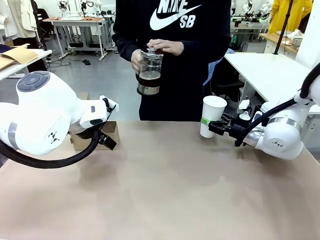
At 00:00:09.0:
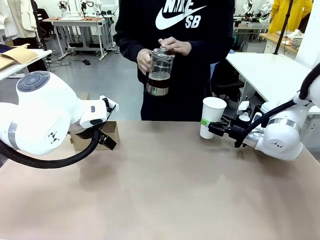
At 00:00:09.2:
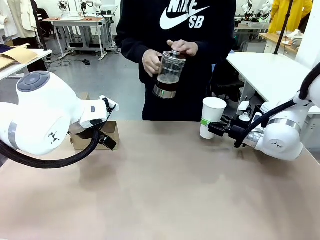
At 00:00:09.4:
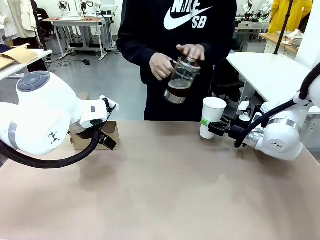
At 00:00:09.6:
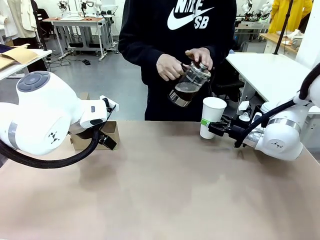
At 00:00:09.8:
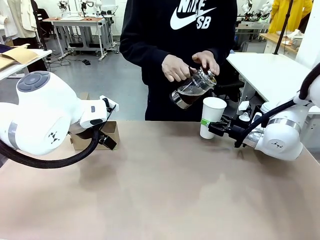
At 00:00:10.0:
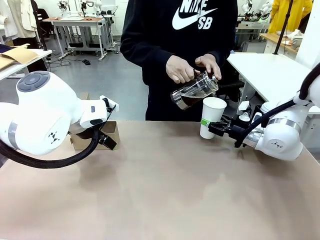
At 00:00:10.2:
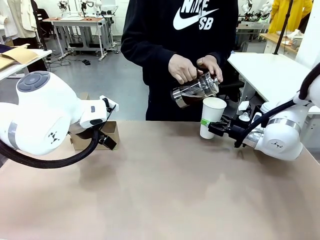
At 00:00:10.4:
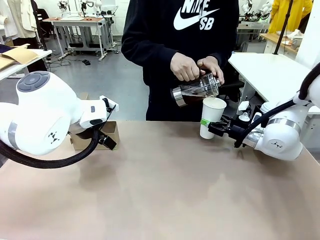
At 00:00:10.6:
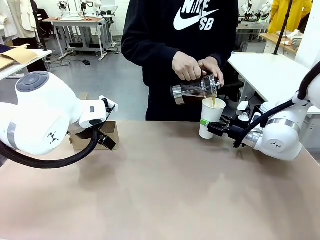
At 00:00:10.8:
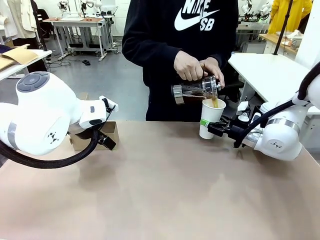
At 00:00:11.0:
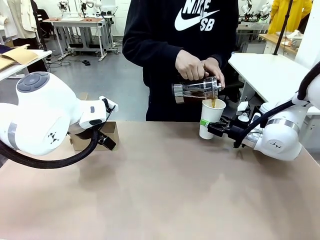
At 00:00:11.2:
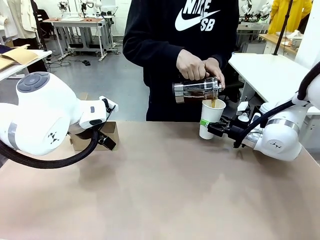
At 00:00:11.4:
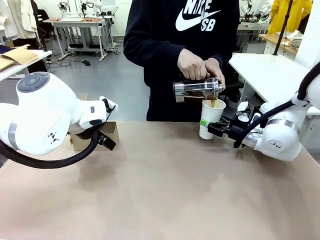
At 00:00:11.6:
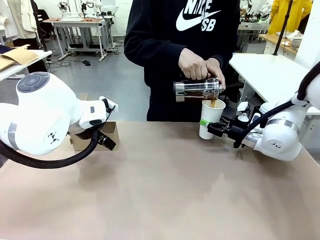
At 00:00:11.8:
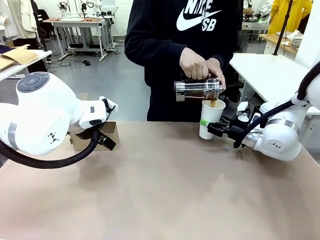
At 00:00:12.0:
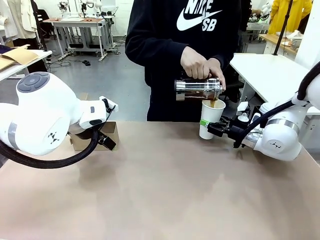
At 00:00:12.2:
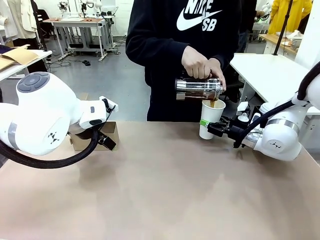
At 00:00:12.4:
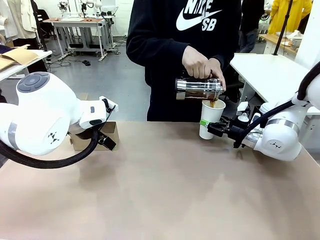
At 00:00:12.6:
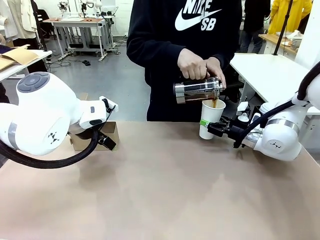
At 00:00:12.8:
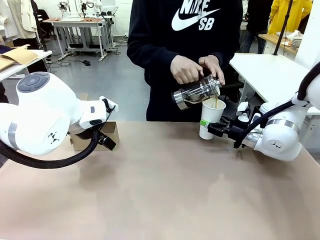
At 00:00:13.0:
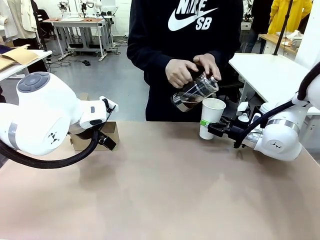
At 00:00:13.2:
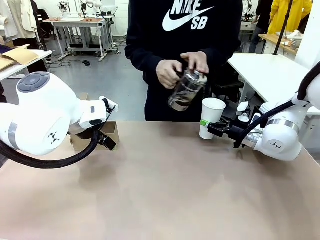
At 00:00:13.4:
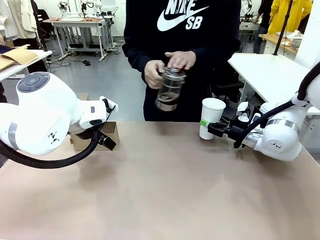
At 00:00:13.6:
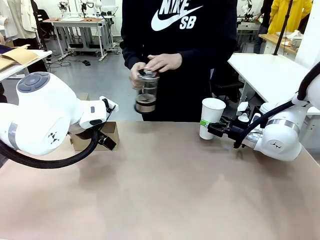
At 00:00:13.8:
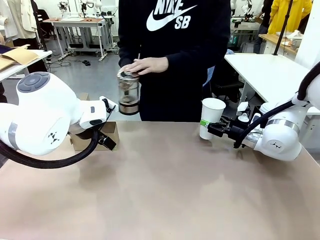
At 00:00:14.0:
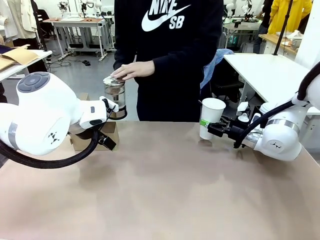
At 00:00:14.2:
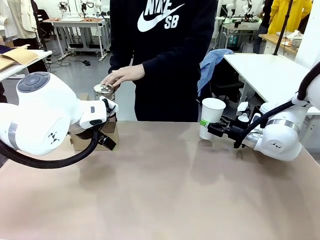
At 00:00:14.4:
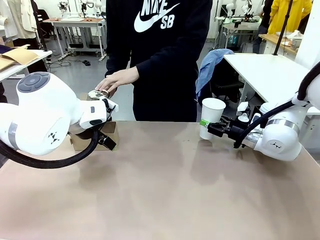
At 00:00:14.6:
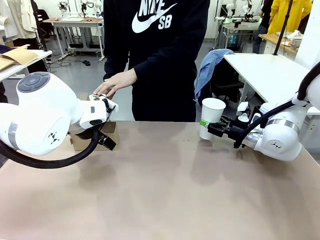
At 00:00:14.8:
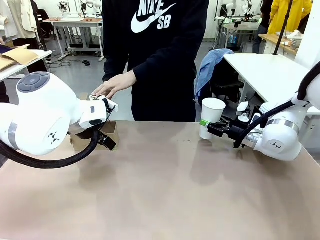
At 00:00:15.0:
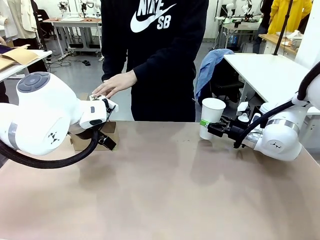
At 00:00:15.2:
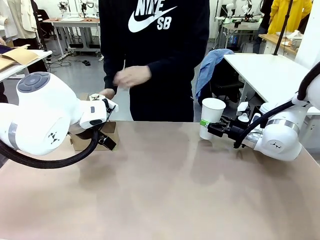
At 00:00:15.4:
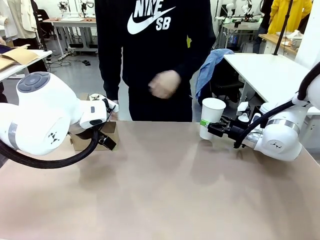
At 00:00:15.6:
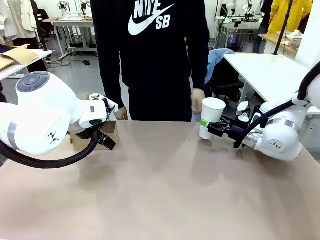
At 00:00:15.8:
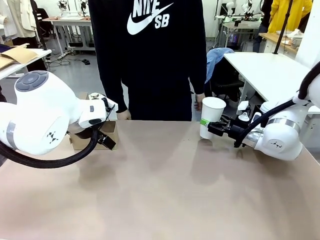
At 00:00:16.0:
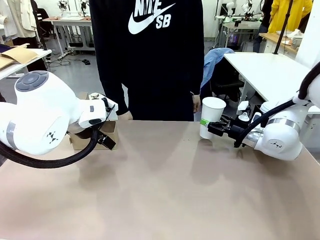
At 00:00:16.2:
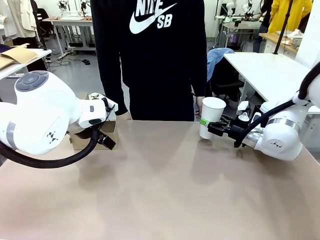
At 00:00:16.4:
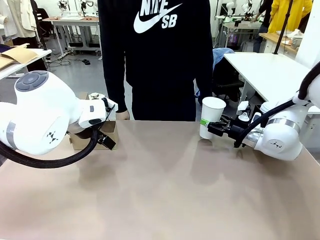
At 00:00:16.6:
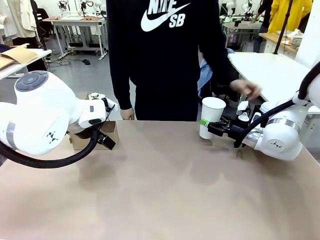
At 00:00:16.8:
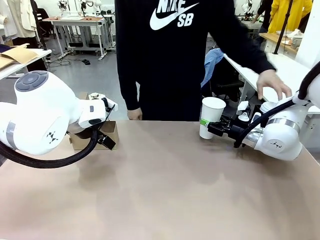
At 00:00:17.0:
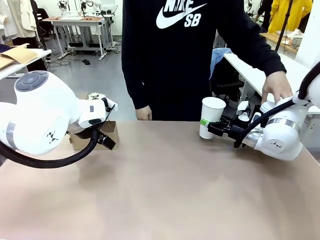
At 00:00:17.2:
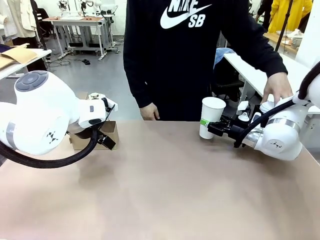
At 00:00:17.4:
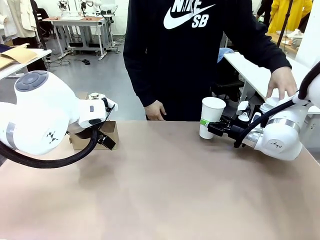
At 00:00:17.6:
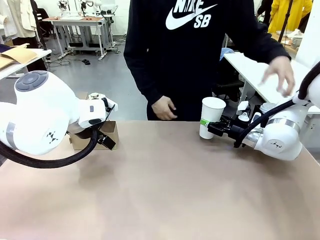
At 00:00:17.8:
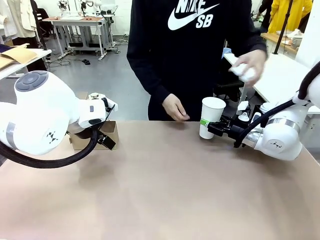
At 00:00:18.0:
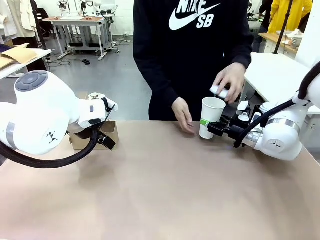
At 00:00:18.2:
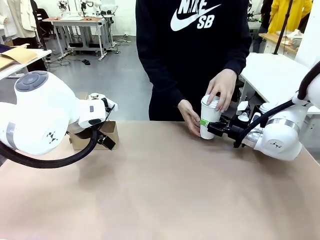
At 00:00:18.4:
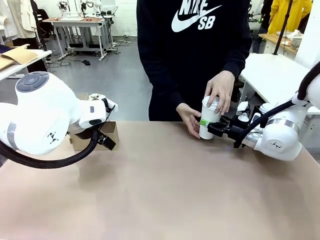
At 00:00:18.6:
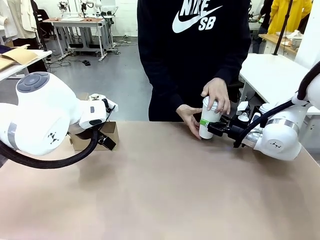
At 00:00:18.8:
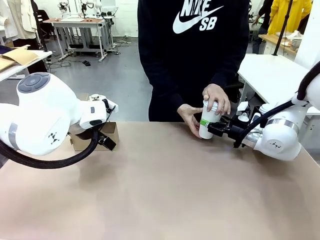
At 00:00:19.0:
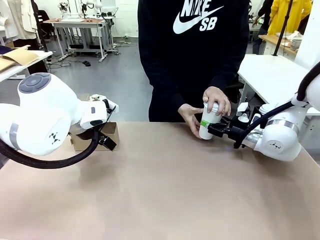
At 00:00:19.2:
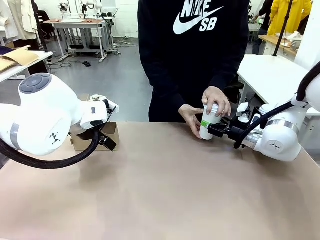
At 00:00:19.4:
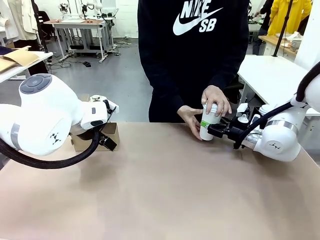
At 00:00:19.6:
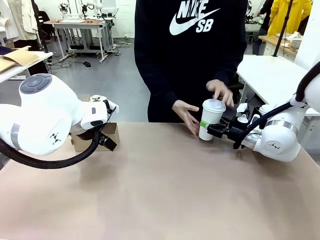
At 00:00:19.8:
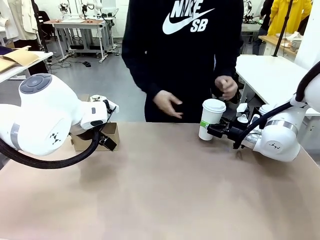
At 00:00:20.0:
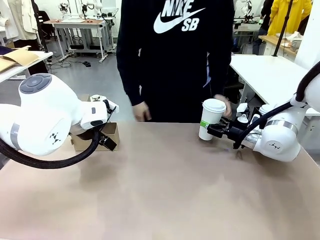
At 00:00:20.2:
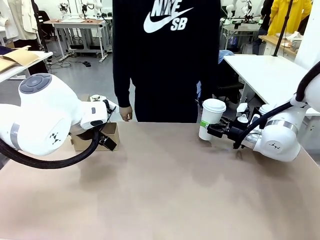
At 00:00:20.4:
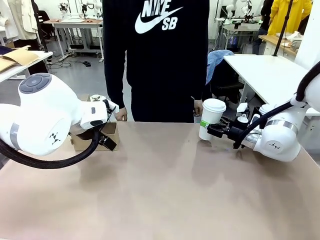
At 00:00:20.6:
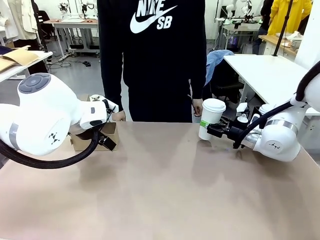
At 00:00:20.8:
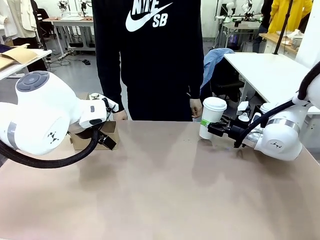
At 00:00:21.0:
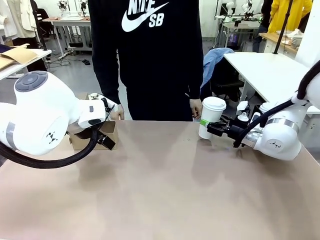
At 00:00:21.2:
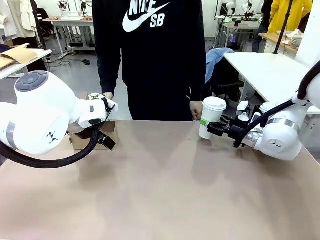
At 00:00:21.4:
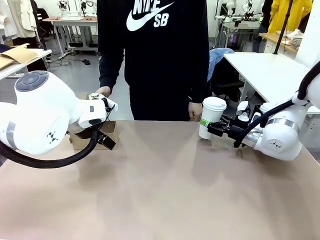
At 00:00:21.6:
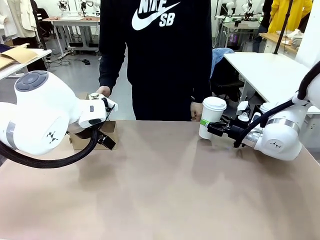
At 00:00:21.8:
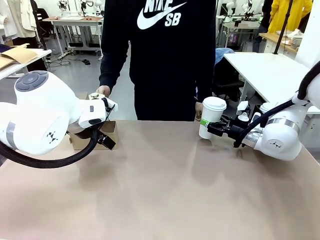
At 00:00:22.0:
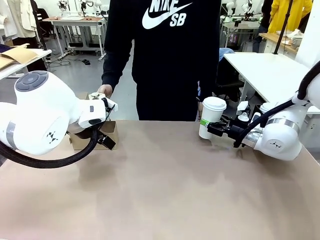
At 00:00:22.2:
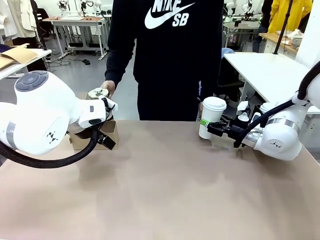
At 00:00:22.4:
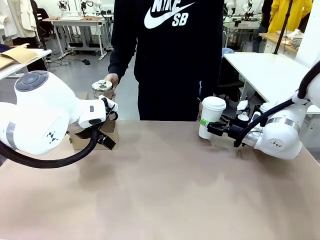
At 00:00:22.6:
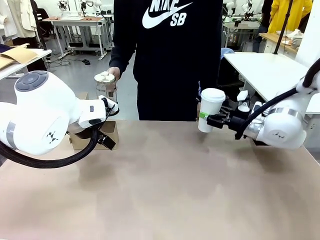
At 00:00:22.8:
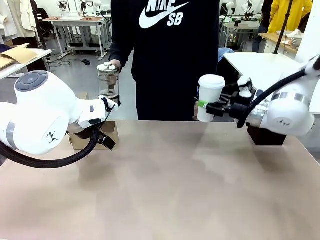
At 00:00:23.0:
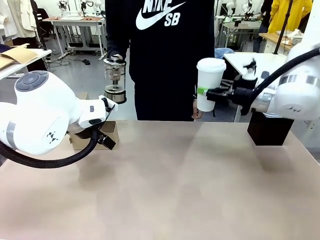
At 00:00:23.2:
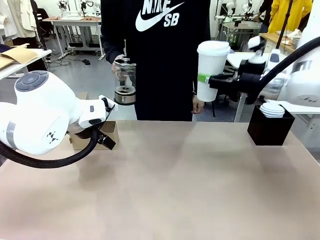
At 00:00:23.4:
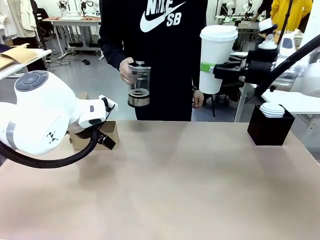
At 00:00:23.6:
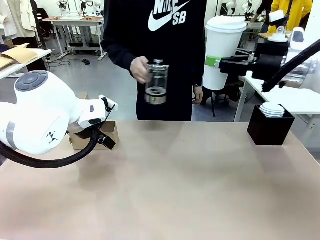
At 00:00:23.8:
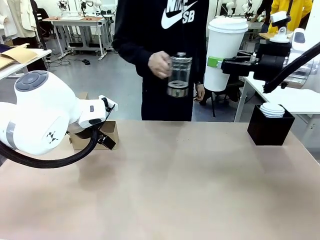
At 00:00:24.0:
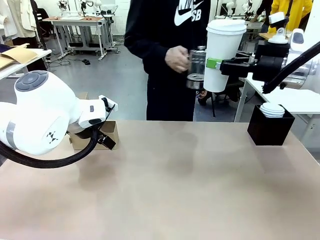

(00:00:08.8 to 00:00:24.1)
Task: Pour a drink into a cup and package it in a carrier.
Robot: When a person places the Paper Cup Lid on the 600 ml Paper Cup , lift the 600 ml Paper Cup.
Person: Pour the drink from the Filter Brewing into the 600 ml Paper Cup. Place a Paper Cup Lid on the 600 ml Paper Cup.

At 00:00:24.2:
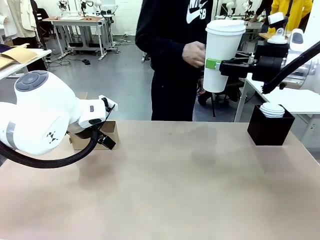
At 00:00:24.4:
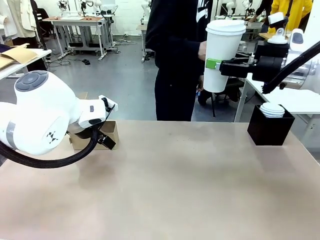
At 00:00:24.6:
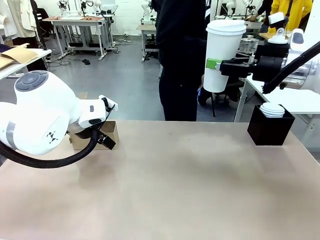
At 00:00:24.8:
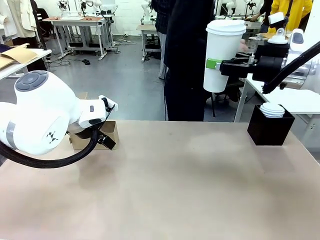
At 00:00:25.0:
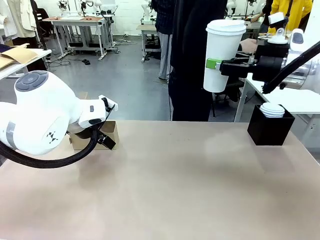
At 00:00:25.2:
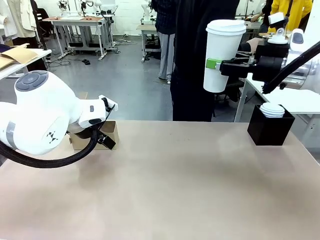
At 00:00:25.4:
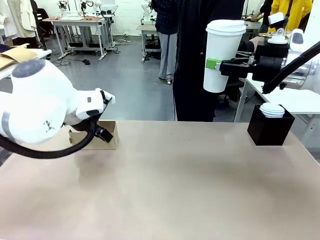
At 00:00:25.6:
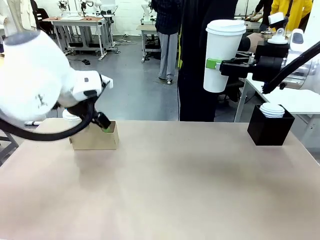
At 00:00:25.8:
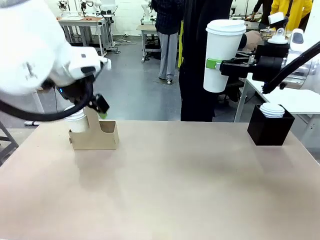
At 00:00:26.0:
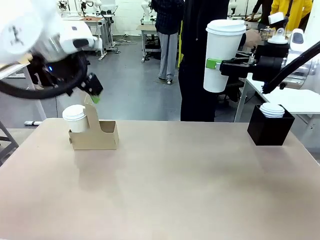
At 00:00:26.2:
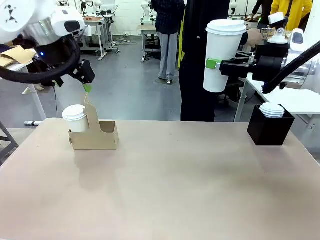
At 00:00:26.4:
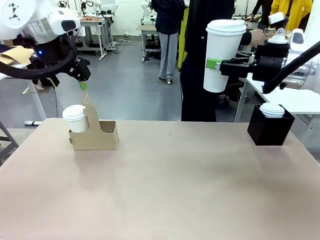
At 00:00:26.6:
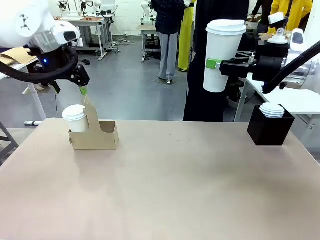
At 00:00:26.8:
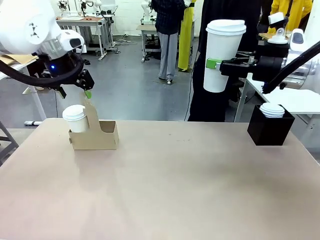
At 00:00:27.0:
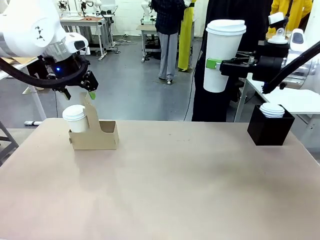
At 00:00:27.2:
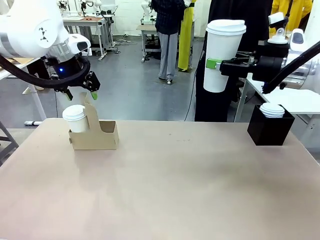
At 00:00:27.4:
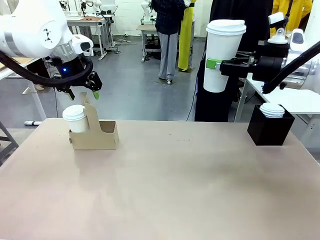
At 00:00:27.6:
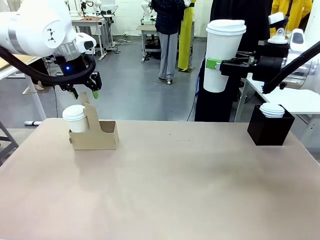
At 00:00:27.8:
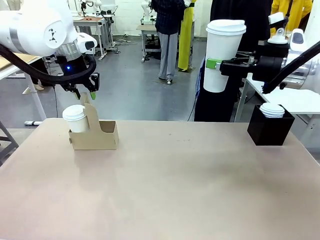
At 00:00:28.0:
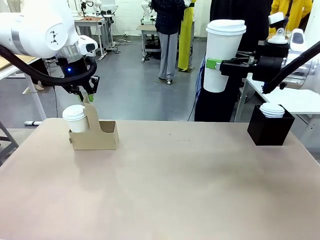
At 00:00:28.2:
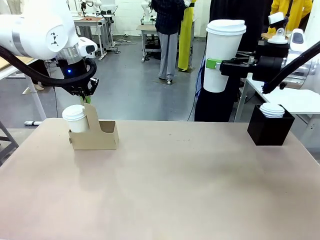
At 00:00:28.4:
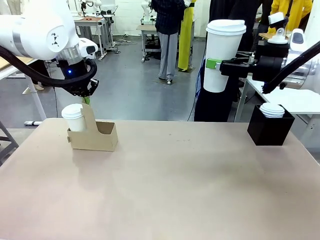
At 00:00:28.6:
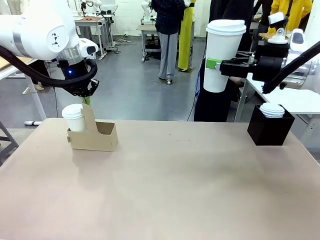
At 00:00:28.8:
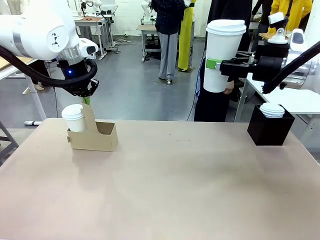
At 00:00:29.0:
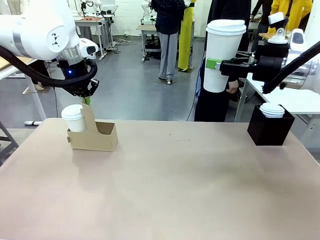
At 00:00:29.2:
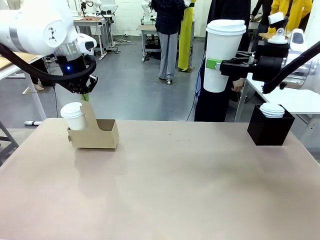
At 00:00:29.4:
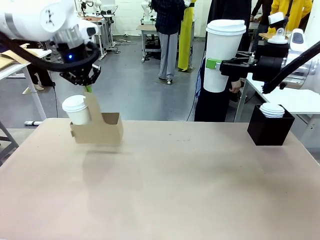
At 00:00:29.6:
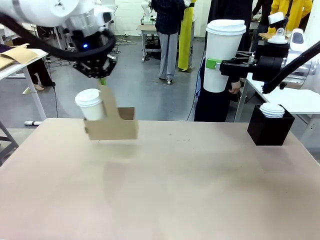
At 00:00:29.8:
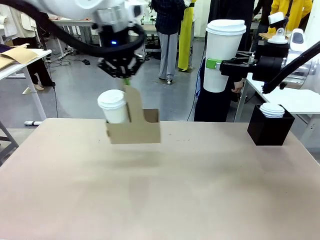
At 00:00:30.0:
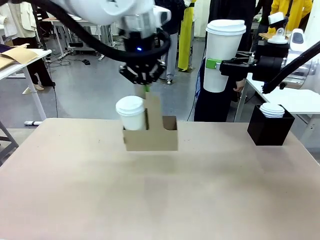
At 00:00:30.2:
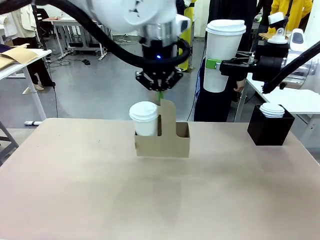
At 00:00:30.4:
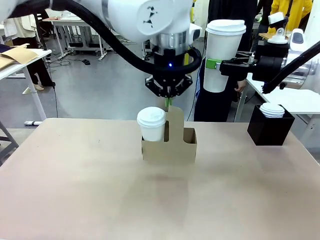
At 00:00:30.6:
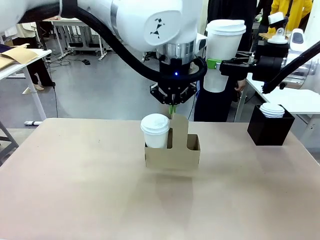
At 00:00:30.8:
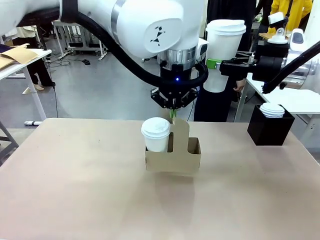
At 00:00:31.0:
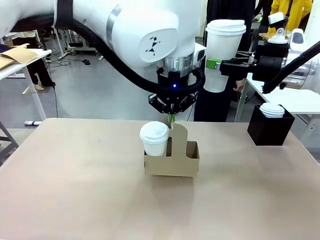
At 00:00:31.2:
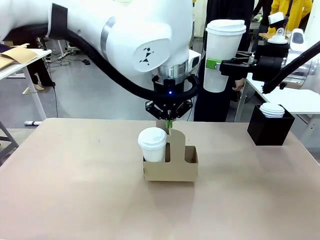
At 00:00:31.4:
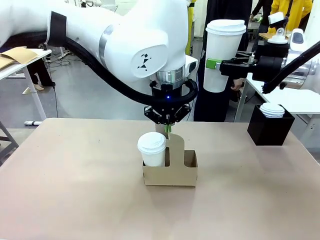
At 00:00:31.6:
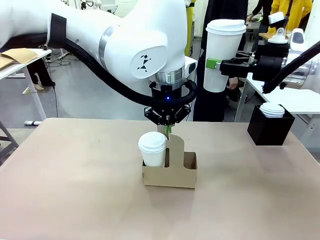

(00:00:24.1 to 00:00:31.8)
Robot: Position the Cup Carrier in the center of the table.
Person: Pick up the Filter Brewing and place on the middle of Human table, and return to the Robot table.
